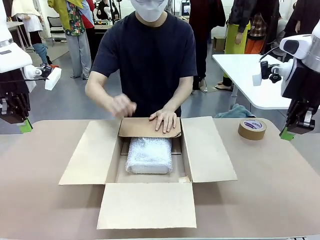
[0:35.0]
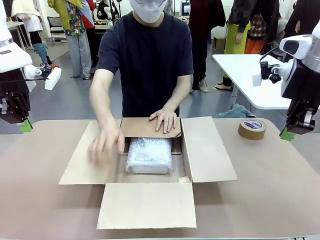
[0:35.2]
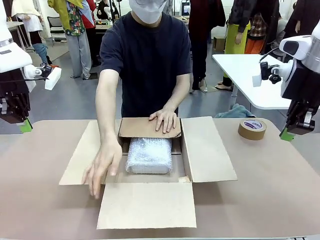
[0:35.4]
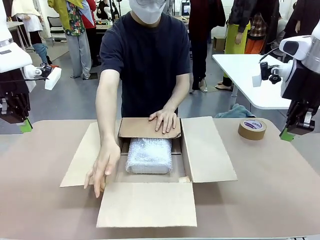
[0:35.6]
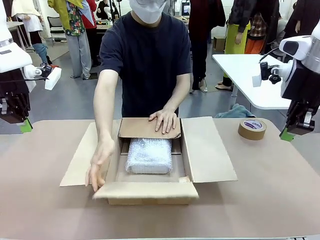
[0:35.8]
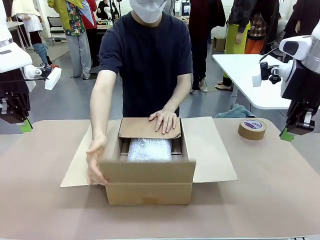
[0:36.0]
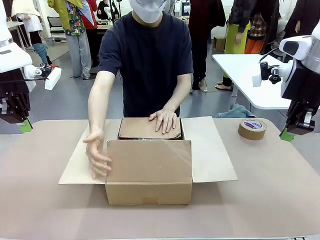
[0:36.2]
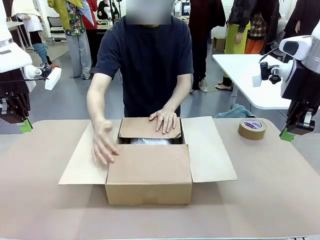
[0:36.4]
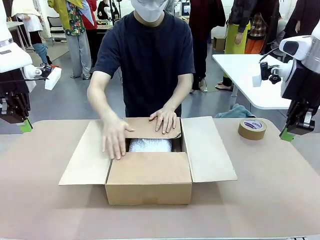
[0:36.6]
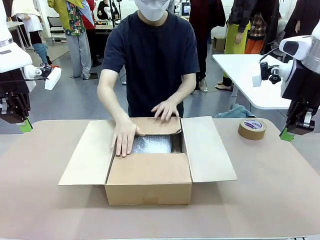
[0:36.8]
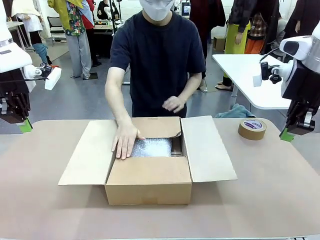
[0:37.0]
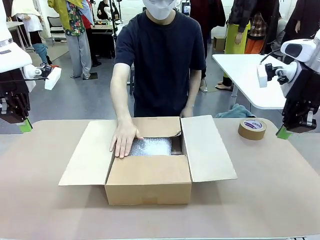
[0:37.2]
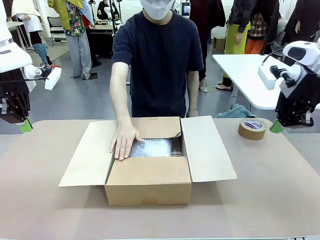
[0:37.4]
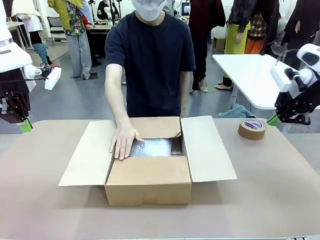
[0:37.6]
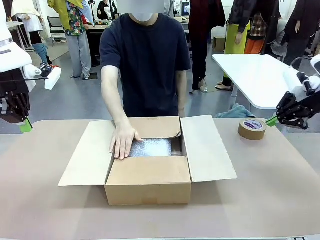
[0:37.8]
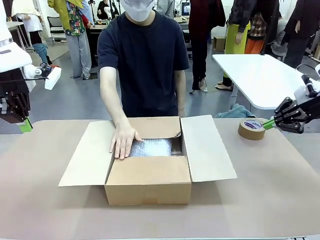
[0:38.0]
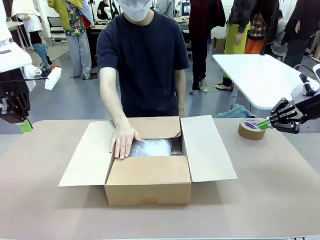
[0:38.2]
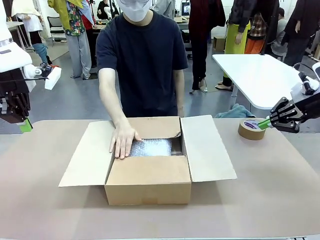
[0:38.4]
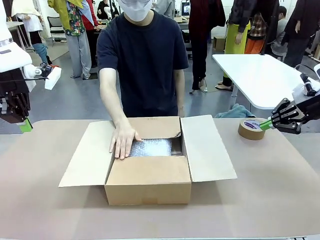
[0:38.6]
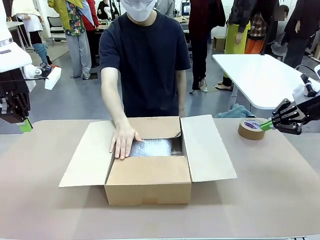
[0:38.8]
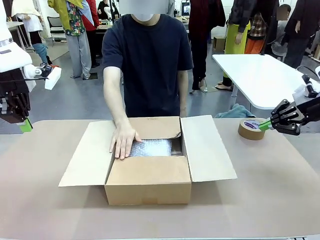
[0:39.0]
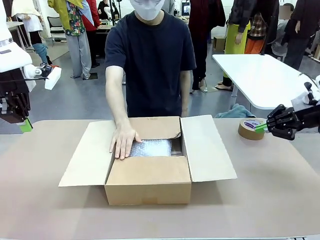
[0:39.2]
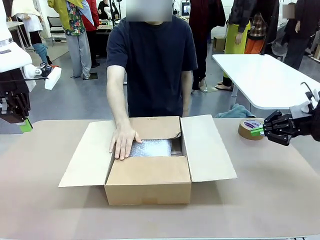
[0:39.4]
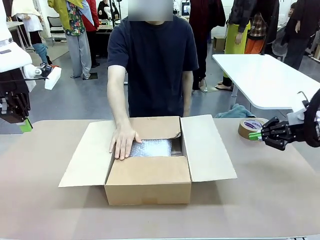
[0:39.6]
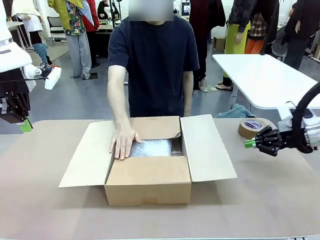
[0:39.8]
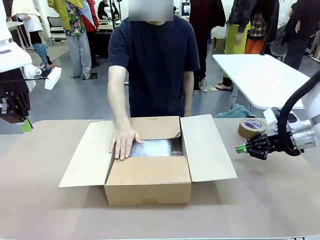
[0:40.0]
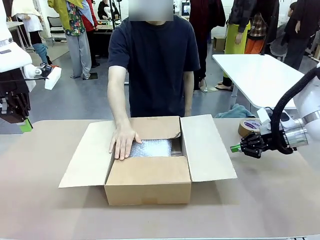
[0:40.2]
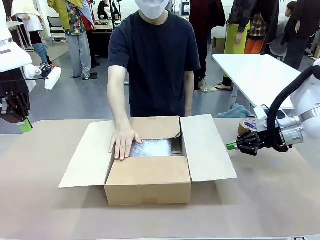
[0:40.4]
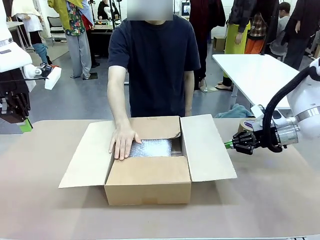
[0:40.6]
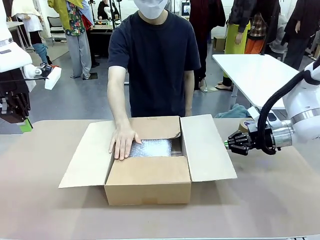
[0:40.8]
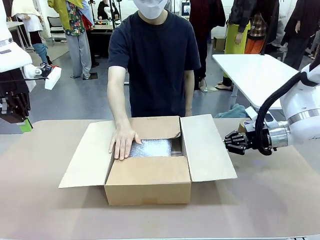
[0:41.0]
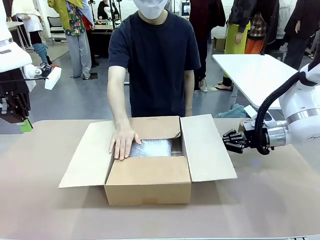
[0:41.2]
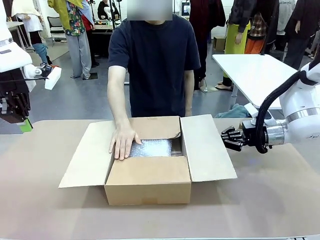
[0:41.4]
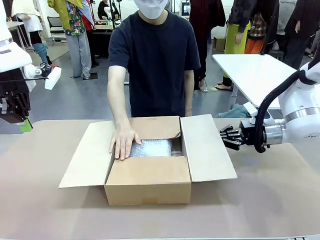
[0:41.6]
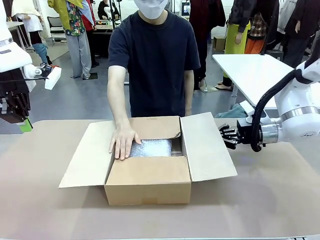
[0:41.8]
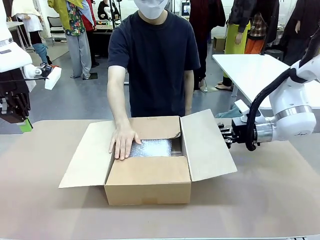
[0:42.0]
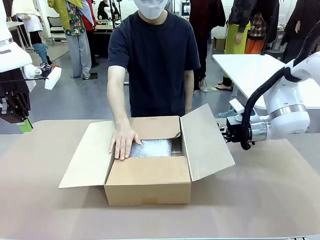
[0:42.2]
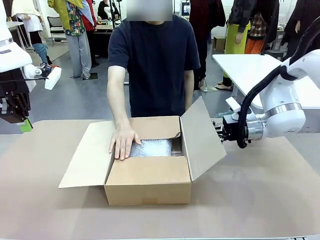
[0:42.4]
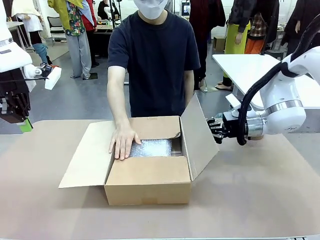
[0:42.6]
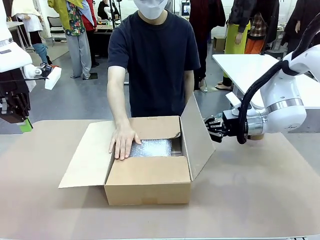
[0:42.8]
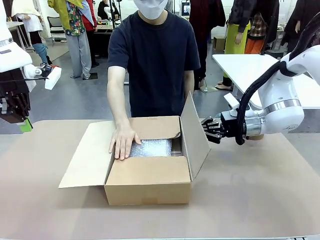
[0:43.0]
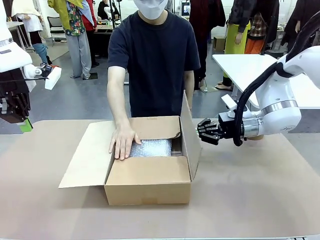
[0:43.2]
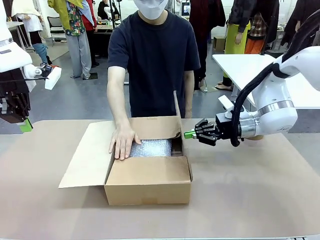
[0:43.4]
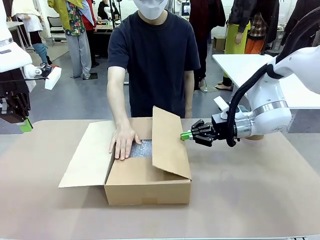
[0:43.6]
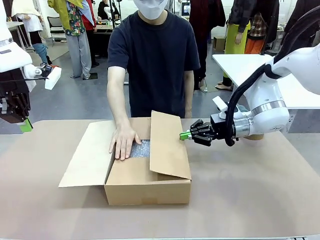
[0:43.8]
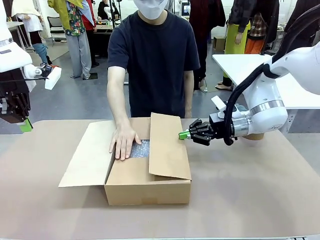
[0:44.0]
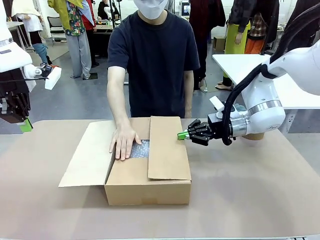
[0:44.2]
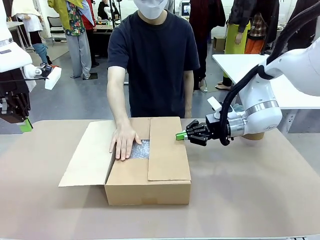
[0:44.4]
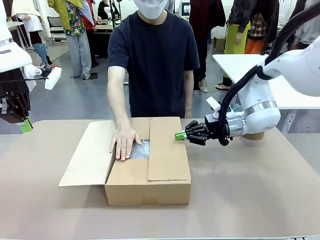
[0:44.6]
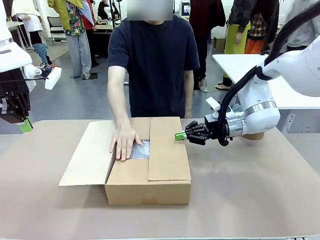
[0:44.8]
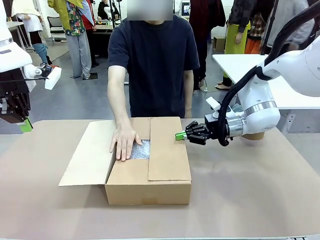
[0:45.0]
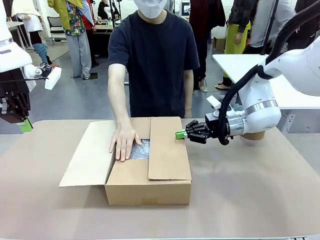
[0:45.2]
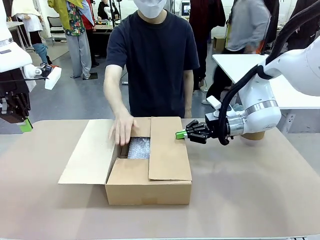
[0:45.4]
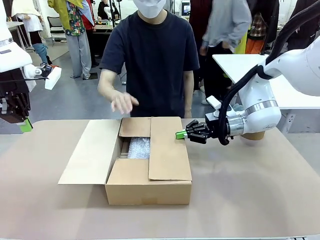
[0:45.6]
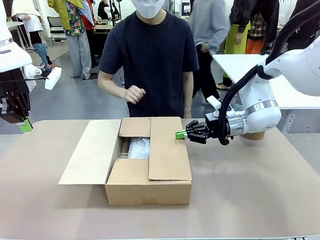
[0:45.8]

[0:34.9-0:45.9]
Task: Wrap the clocks to prevent damage.
Robot: Push the right (or left) flap of the Package Box to close it.
Person: Once the robot closes the right flap of the Package Box , release your left hand from the box.

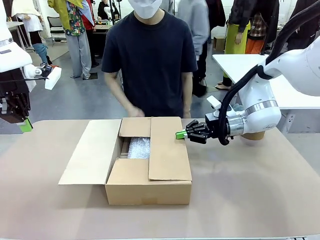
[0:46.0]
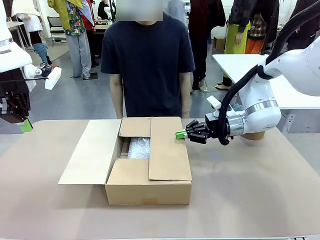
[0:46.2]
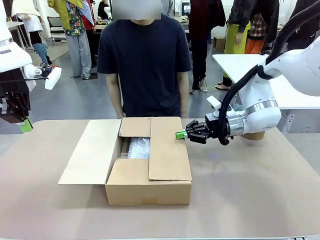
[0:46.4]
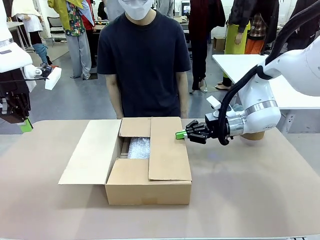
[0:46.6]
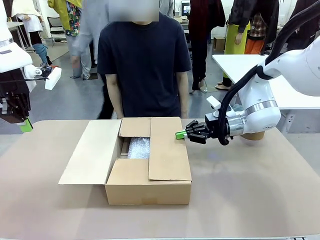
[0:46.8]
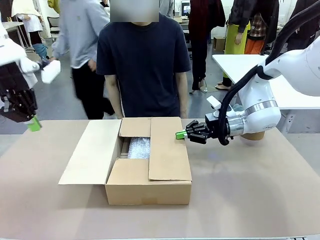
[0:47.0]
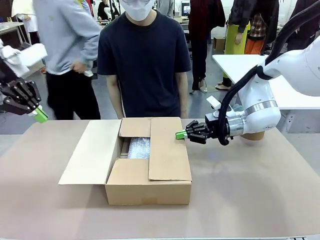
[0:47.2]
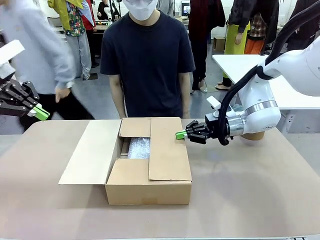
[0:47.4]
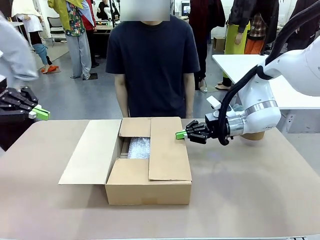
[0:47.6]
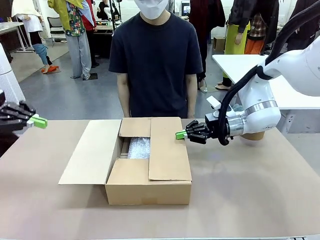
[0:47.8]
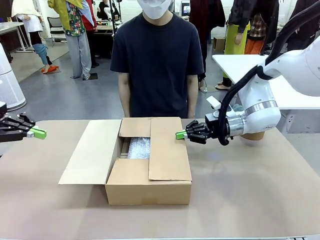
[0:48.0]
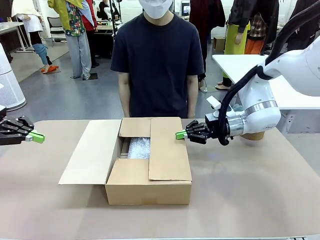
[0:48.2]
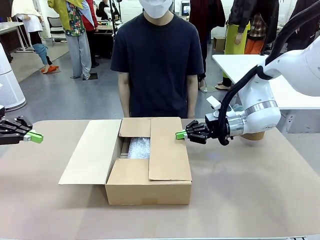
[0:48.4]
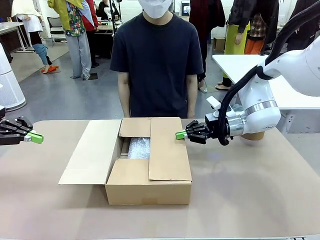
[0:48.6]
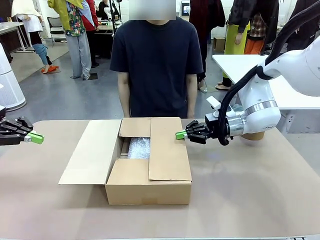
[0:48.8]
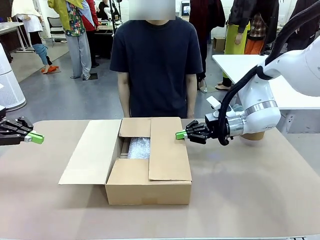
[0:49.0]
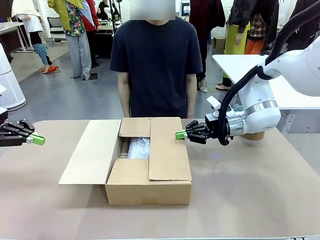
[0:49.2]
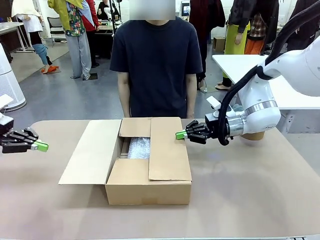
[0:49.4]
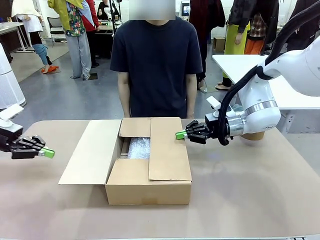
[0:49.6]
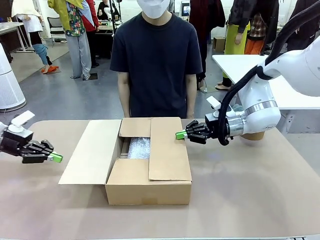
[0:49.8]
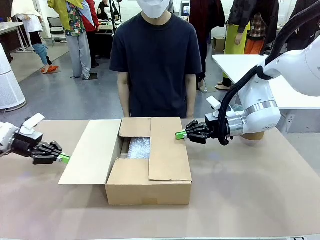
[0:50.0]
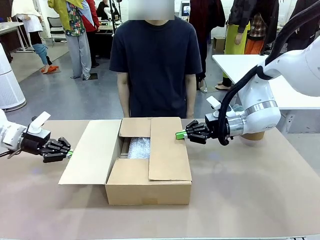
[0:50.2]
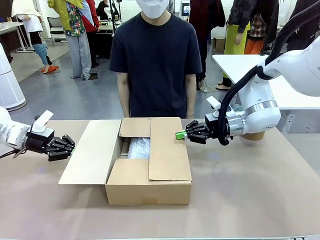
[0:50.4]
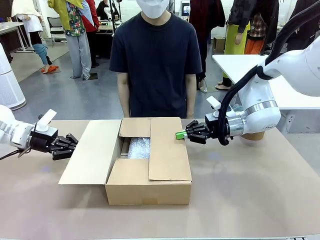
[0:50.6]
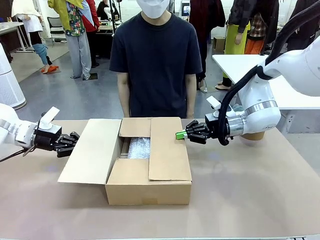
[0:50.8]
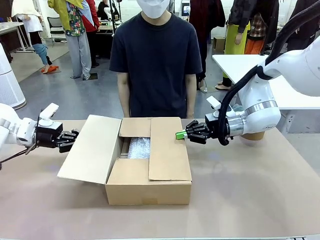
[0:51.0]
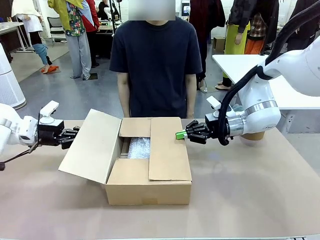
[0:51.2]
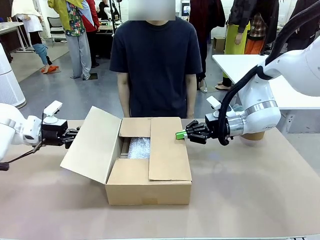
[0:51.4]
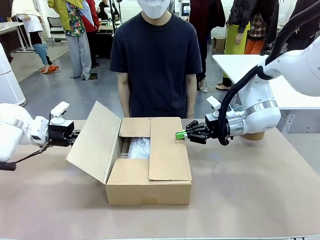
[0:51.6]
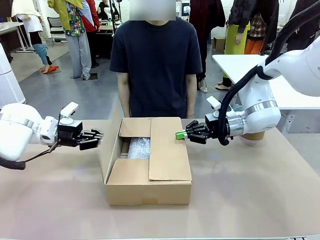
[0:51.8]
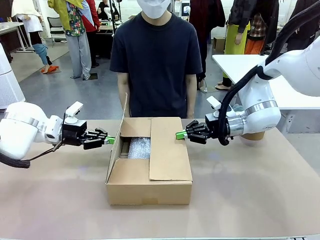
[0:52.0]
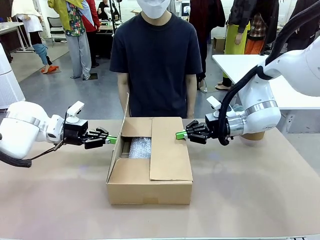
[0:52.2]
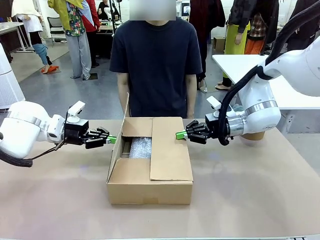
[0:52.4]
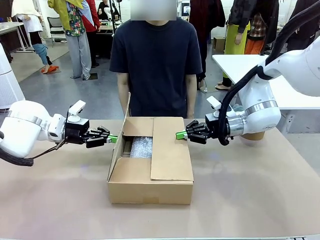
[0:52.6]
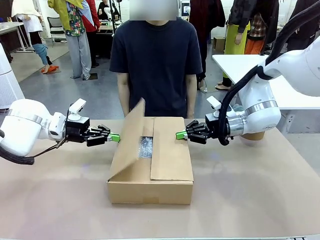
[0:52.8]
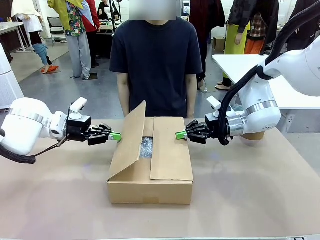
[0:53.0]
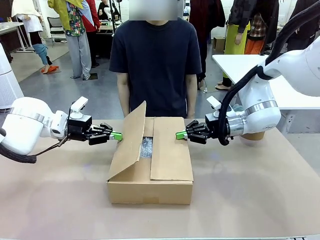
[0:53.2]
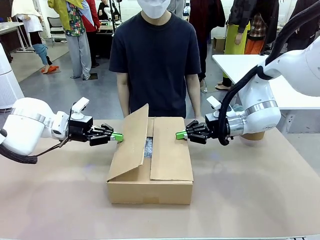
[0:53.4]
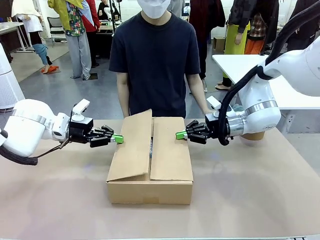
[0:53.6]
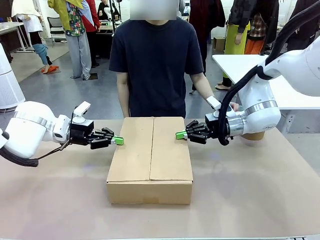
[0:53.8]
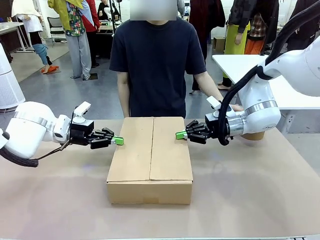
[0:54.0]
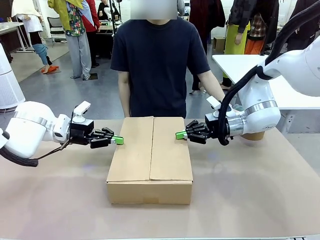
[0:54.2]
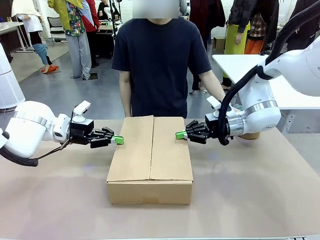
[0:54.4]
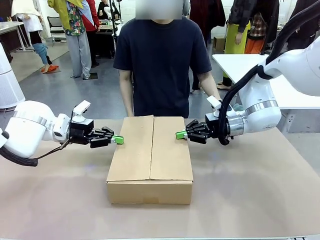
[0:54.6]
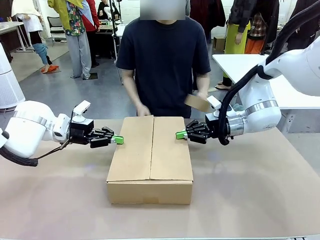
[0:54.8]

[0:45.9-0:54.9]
Robot: Push the left (or right) flap of the Package Box to close it.
